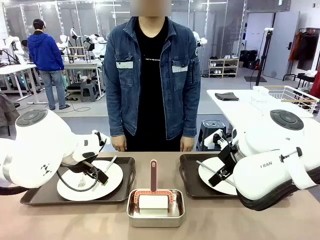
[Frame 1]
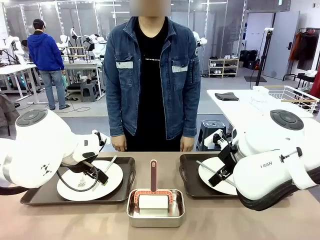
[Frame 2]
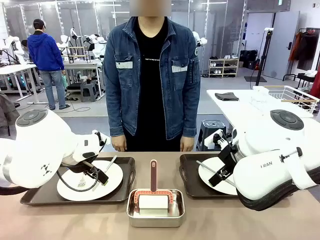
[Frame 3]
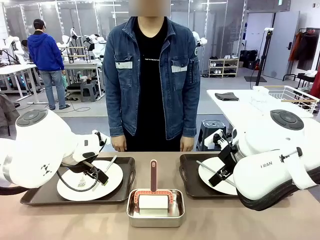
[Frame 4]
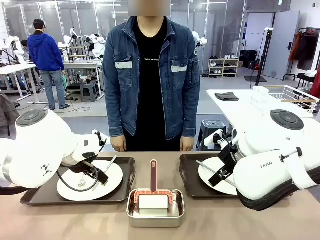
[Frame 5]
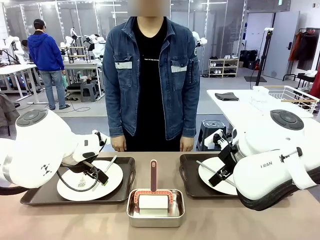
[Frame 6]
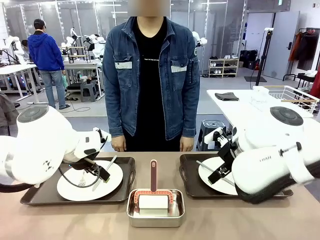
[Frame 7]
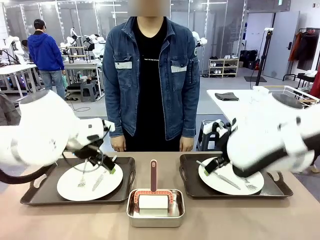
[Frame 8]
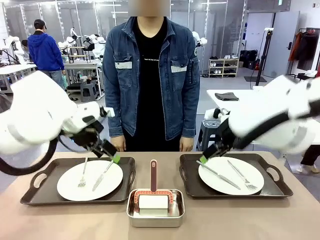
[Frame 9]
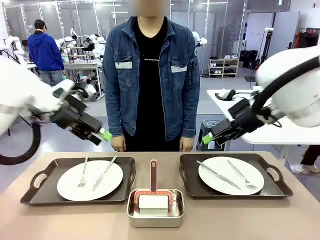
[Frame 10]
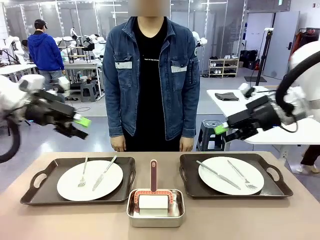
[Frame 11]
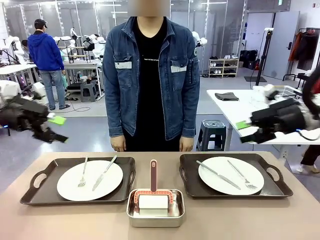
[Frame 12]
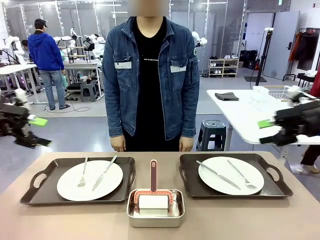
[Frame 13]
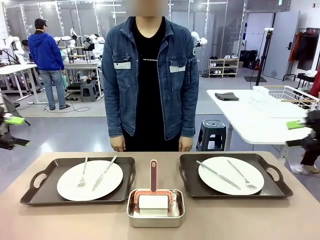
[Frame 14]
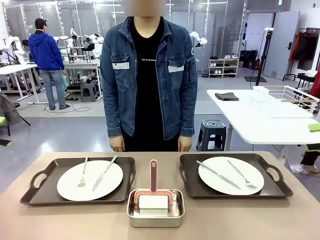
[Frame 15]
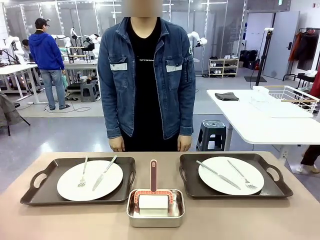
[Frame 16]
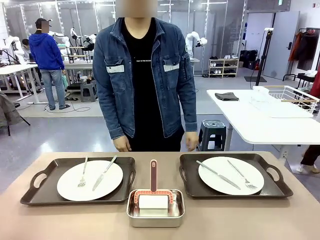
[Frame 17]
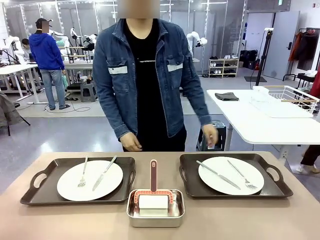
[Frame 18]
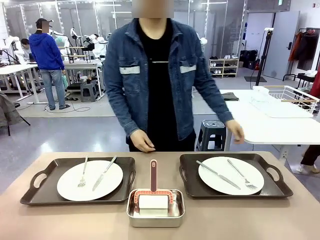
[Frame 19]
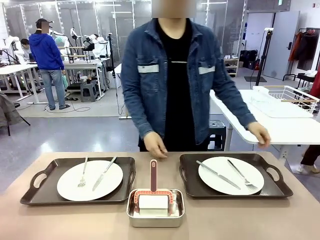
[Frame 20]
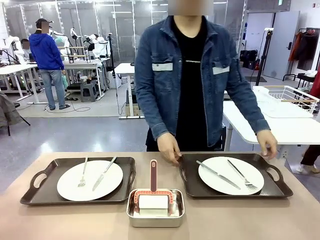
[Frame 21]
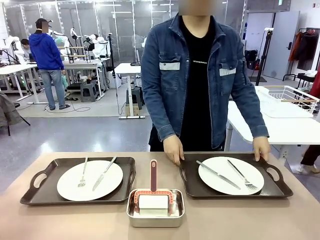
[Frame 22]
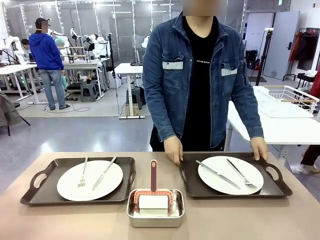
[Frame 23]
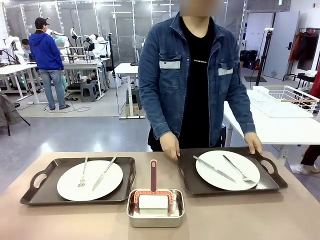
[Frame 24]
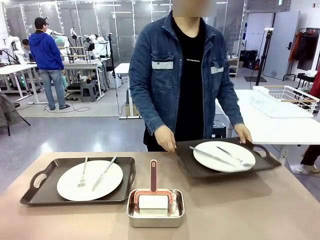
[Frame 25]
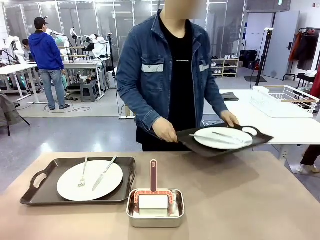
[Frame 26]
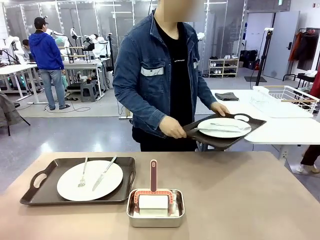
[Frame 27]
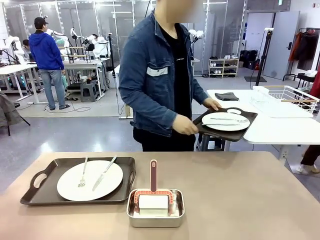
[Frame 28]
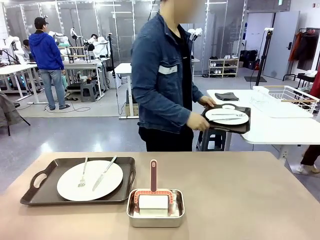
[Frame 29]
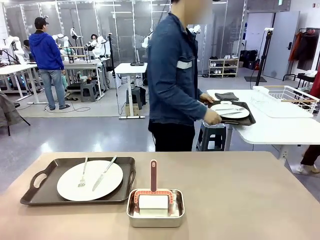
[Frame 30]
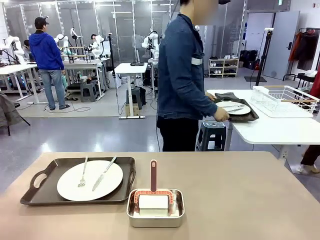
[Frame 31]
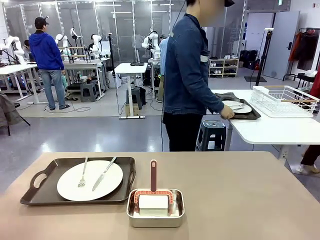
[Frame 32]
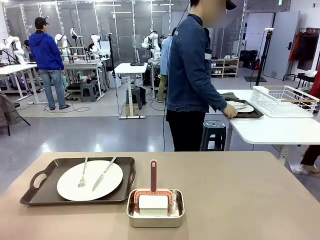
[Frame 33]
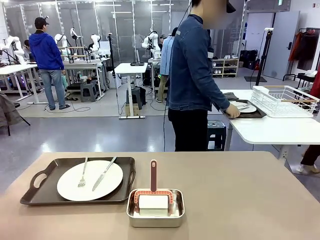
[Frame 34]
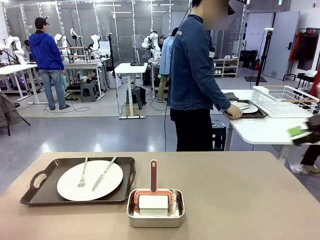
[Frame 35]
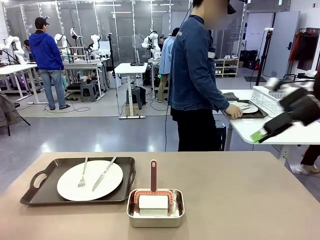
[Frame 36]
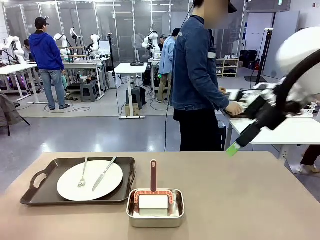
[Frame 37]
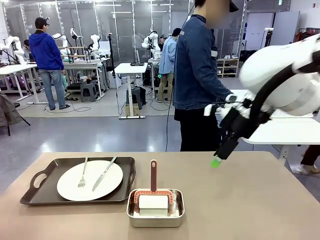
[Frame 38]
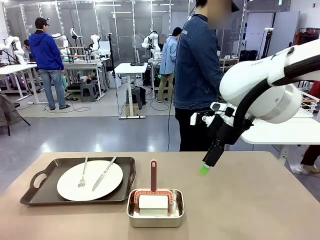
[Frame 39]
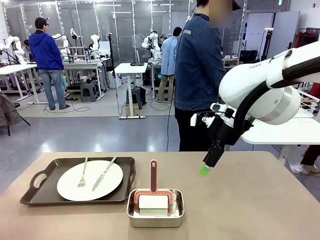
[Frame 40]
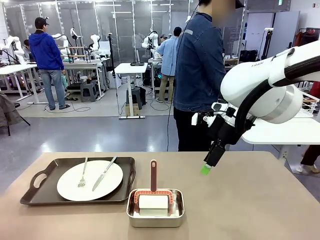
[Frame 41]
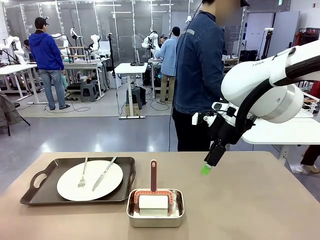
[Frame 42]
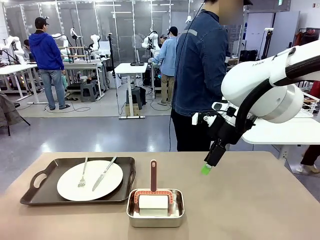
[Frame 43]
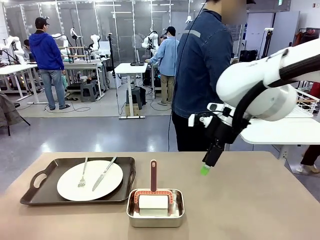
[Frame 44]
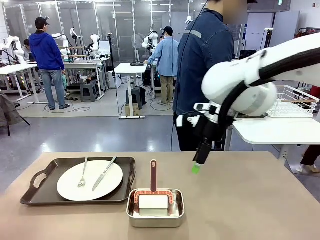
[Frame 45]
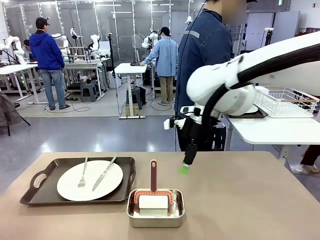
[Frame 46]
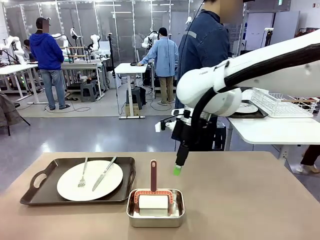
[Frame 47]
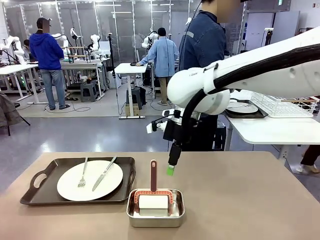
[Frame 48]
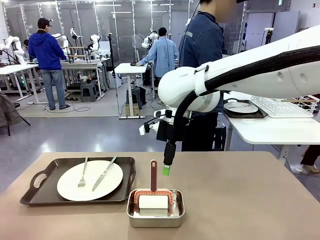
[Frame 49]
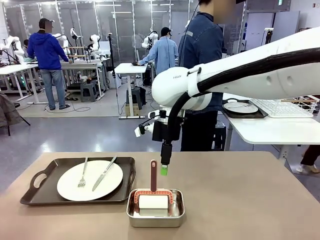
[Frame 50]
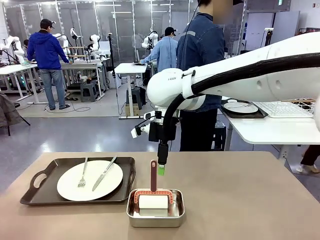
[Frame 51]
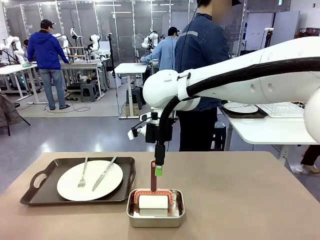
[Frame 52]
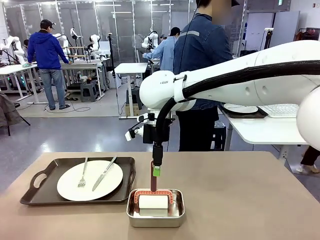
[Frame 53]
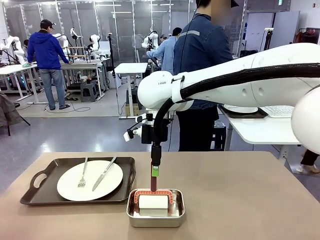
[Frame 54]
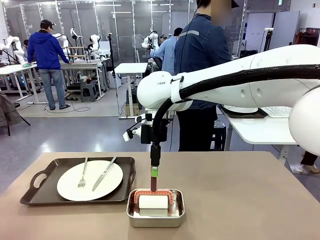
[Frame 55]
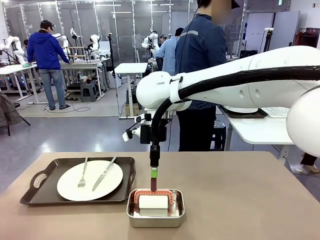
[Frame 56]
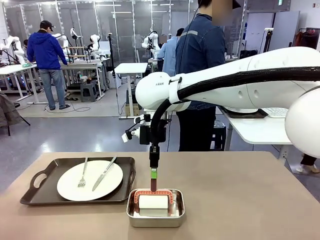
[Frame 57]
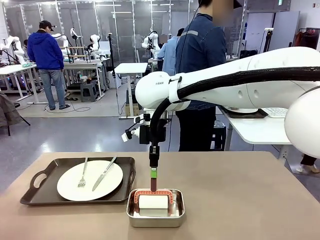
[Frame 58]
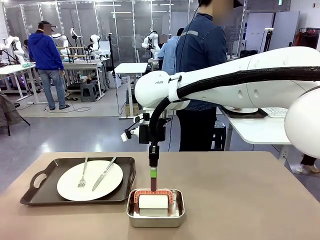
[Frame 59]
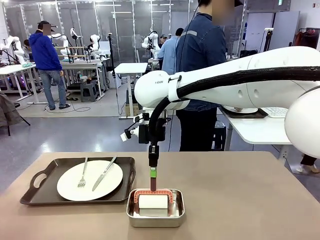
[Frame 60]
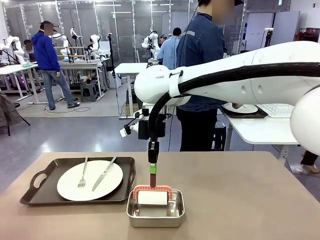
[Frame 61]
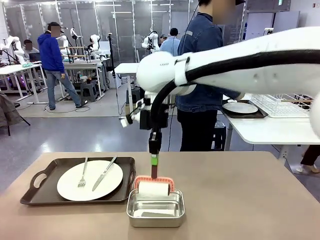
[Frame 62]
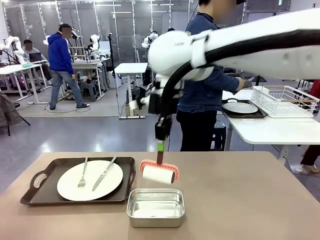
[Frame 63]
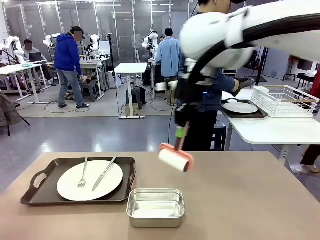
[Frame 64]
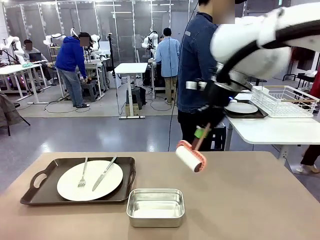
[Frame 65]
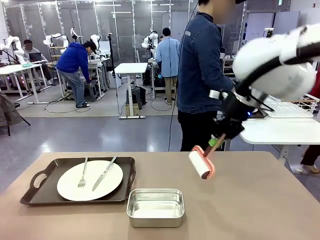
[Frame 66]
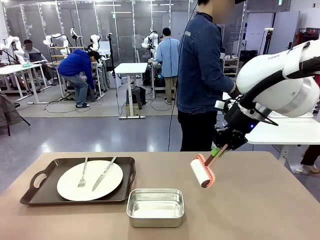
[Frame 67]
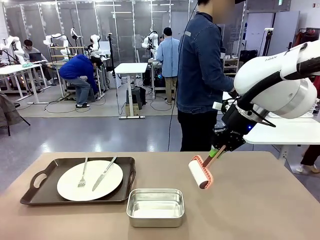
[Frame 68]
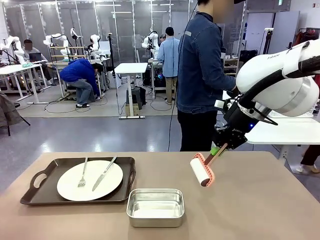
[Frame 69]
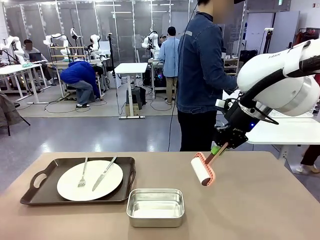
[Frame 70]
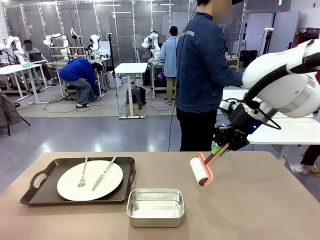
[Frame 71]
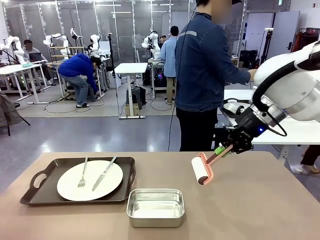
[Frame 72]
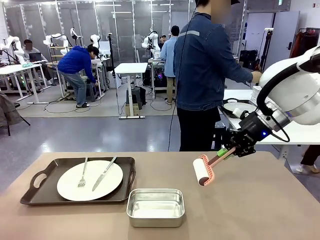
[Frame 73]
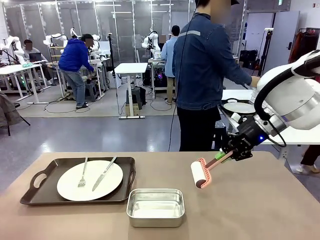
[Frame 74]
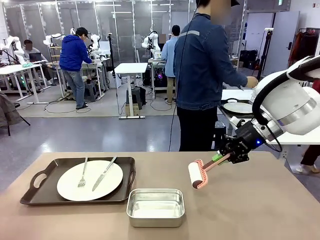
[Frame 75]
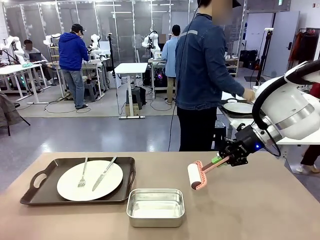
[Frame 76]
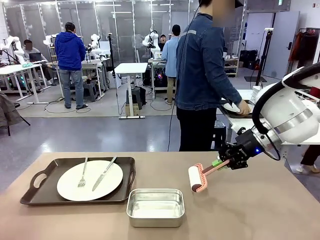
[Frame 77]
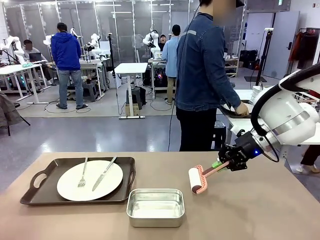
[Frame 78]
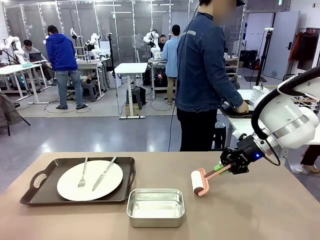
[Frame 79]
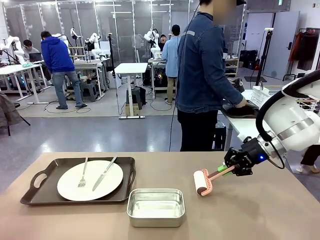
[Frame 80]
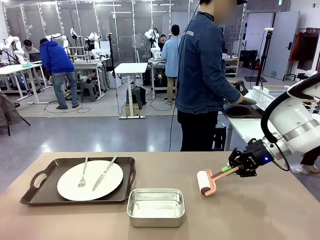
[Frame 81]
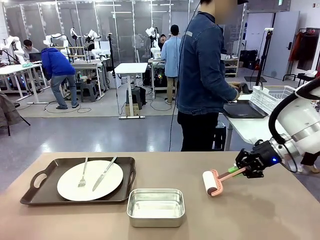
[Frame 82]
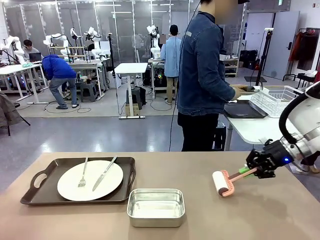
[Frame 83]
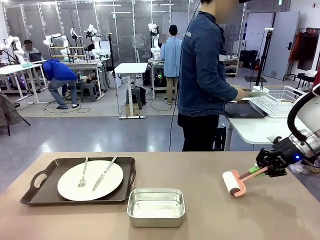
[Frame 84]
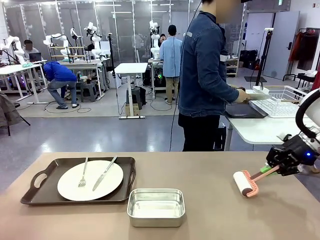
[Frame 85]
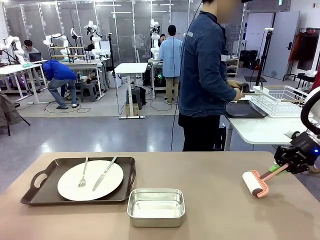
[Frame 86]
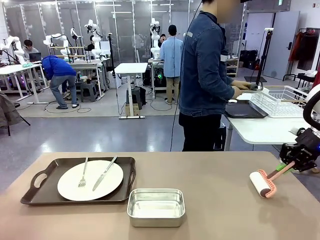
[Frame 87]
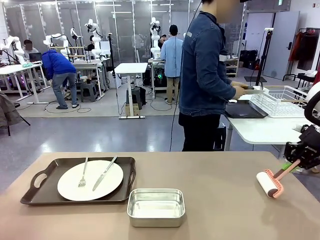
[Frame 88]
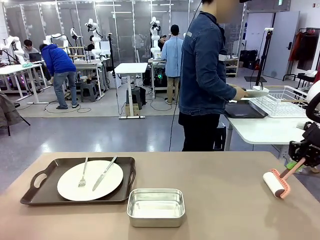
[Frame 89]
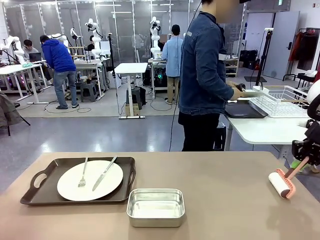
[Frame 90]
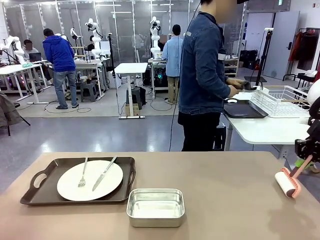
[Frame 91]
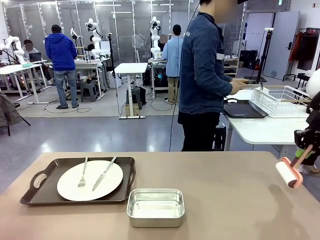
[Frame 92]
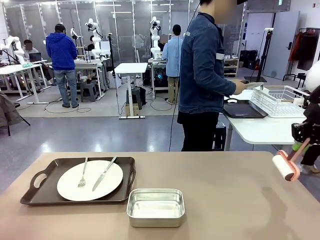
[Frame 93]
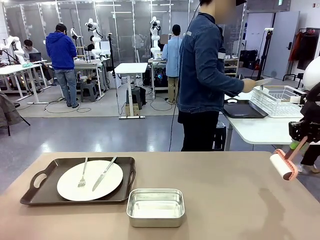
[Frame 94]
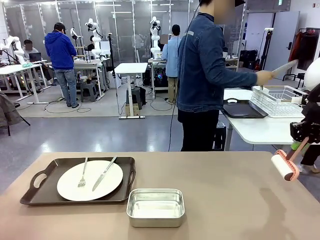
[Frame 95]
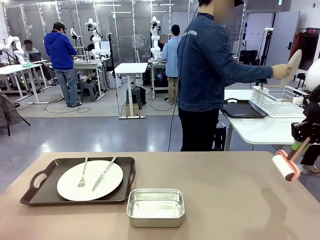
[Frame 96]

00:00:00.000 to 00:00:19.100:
Robot: When the left (or right) Handle tray is removed, use the left hand (or right hand) to clean the left (or right) side of the table with the Lint Roller.
Person: Pick up the left (or right) Handle tray and place it on the middle of the Human's table. Use the Towel with hook to wipe the Plastic Matte Plate , Fork , and Knife and place into the Dish drying rack.

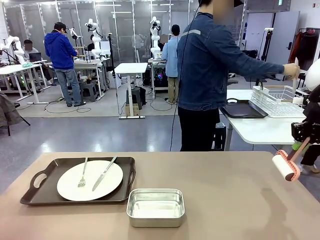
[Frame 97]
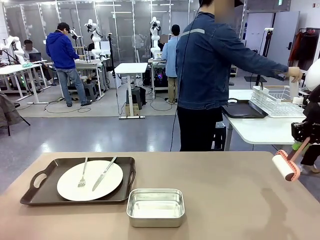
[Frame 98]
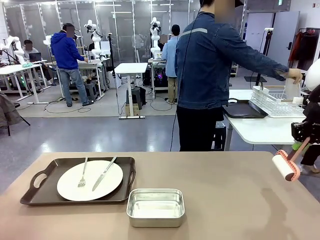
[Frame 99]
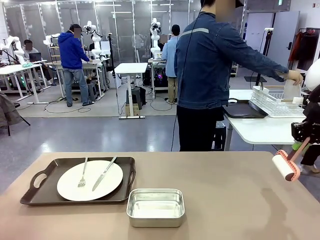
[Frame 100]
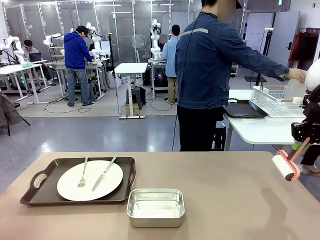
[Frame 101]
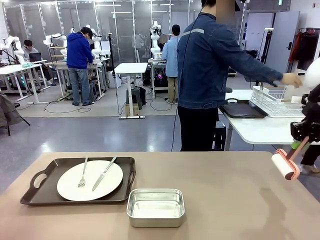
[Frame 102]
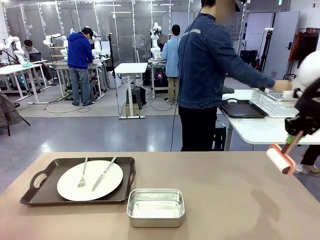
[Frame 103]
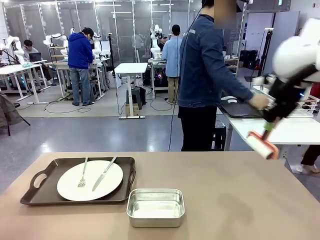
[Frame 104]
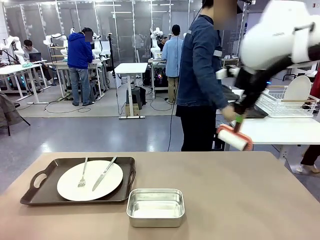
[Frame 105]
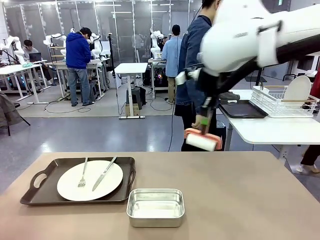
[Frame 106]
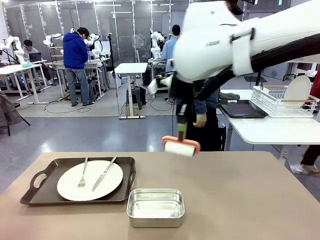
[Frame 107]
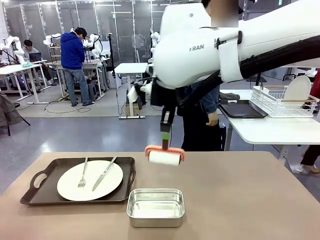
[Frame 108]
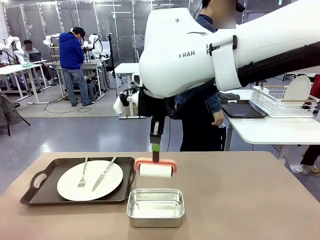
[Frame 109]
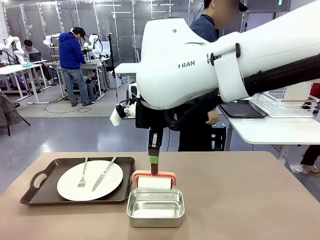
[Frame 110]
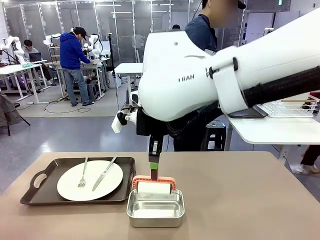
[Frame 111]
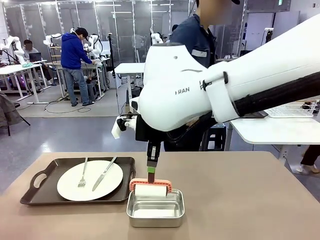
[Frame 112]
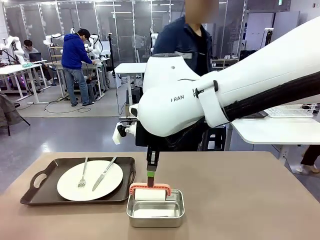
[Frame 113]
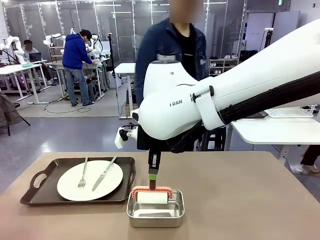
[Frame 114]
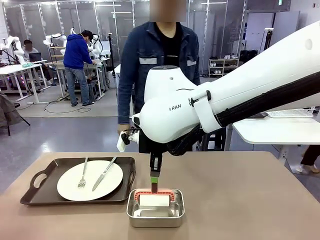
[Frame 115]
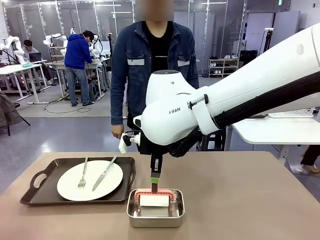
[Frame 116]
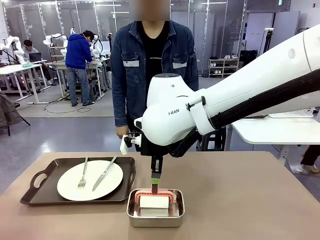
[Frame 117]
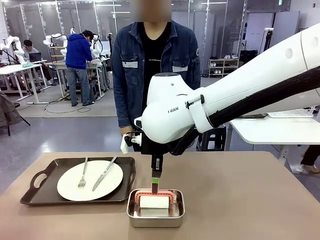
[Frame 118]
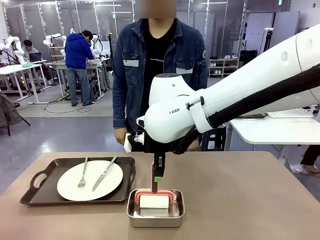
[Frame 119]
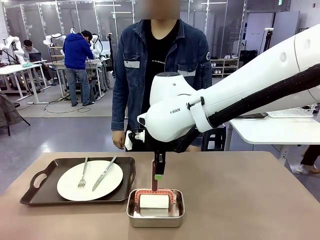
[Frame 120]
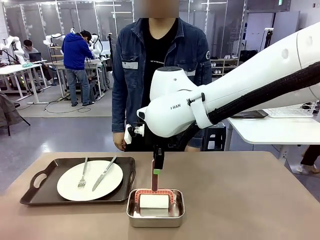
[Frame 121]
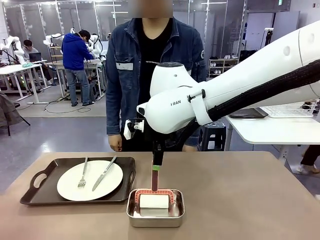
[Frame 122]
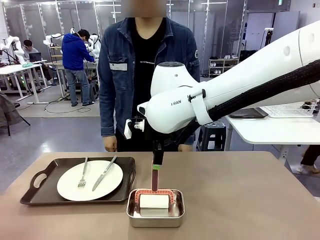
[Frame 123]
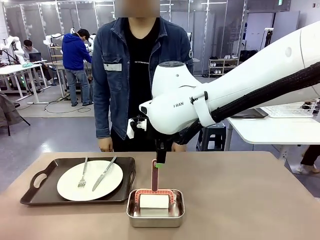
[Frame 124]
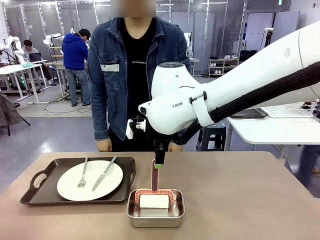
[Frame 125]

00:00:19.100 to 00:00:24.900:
Robot: Place the Lint Roller back on top of the Airtight Container.
